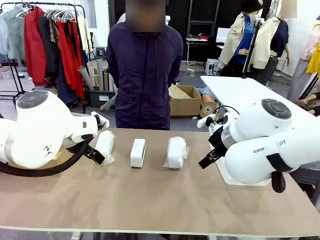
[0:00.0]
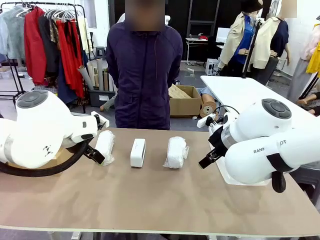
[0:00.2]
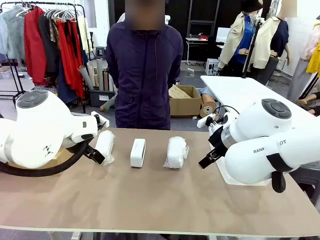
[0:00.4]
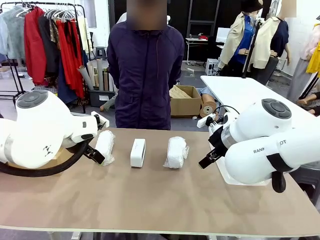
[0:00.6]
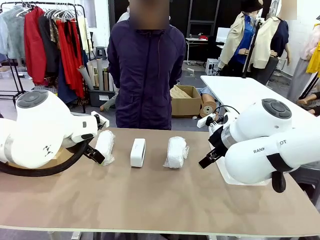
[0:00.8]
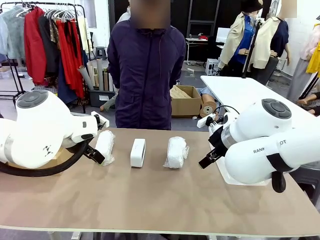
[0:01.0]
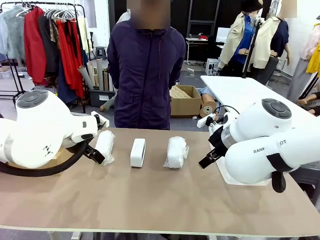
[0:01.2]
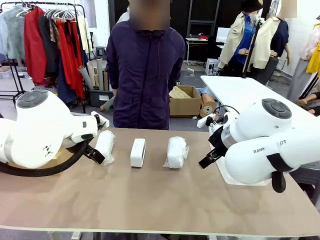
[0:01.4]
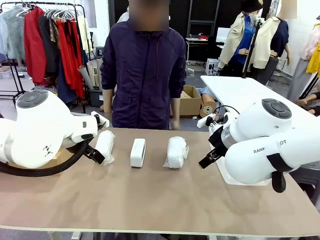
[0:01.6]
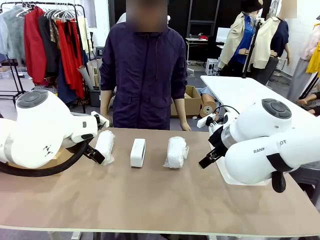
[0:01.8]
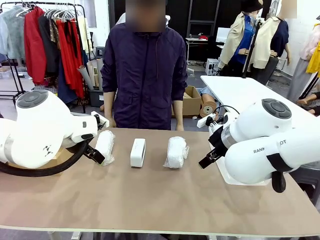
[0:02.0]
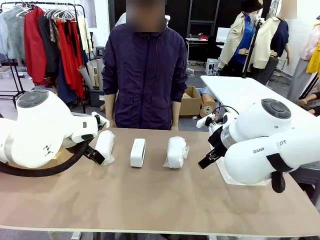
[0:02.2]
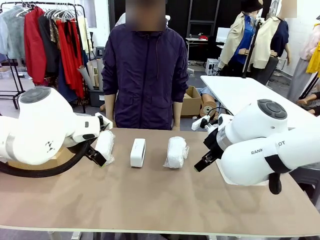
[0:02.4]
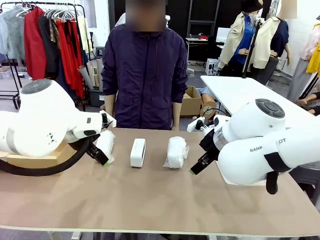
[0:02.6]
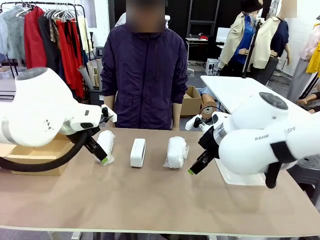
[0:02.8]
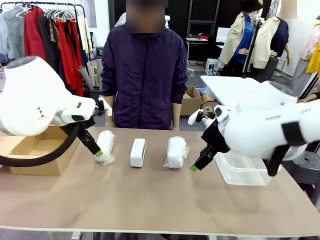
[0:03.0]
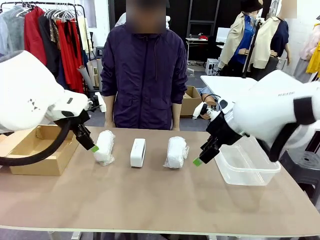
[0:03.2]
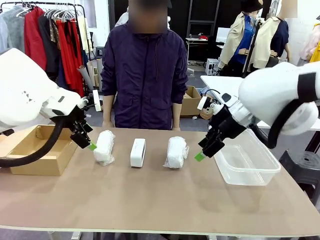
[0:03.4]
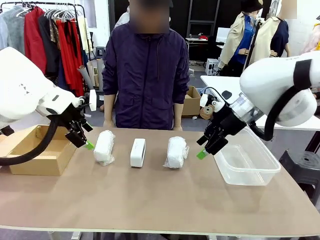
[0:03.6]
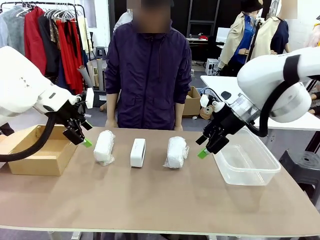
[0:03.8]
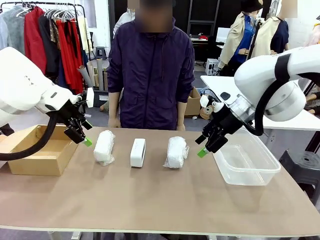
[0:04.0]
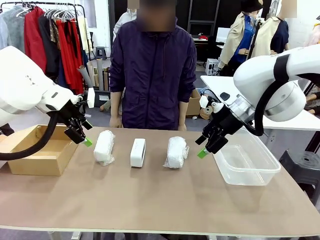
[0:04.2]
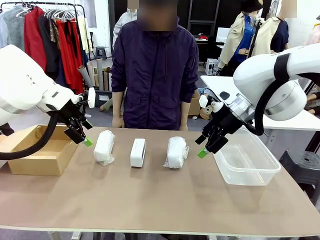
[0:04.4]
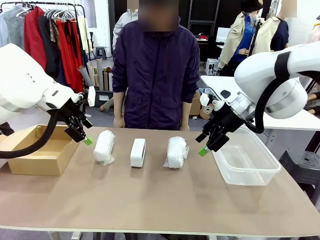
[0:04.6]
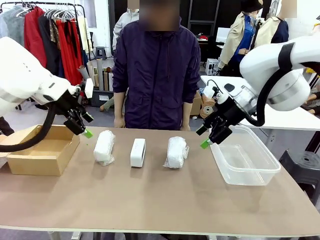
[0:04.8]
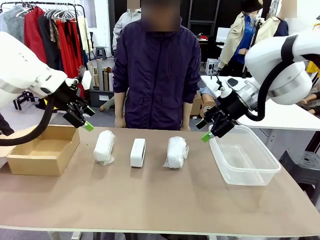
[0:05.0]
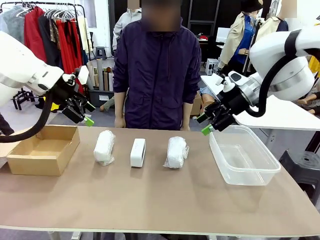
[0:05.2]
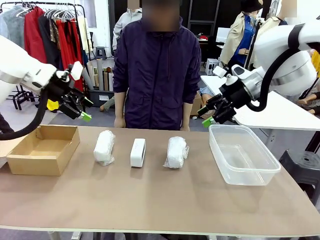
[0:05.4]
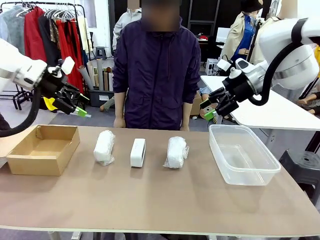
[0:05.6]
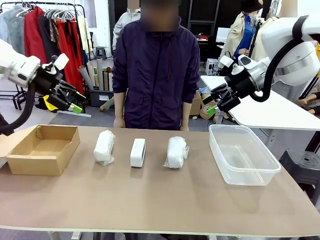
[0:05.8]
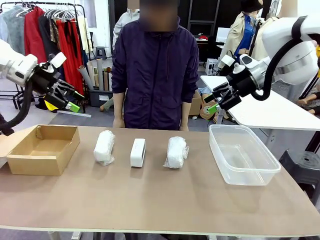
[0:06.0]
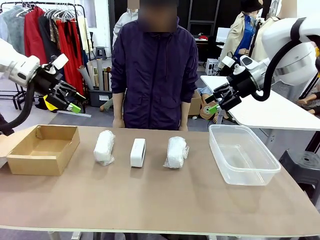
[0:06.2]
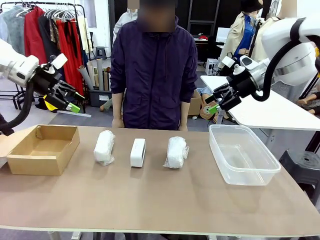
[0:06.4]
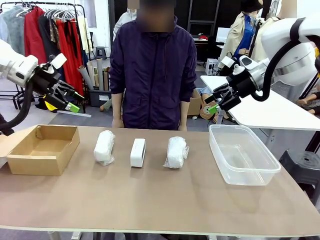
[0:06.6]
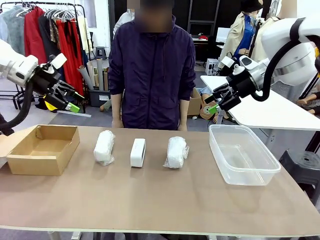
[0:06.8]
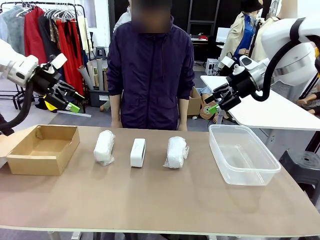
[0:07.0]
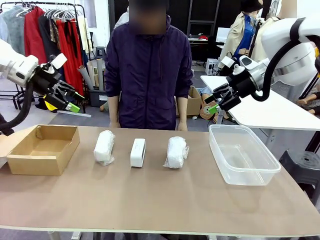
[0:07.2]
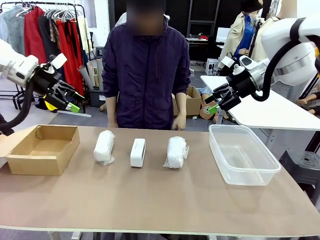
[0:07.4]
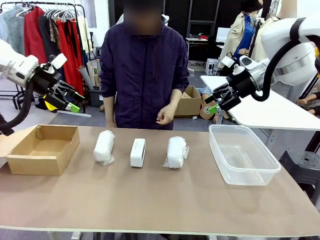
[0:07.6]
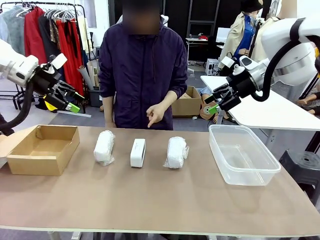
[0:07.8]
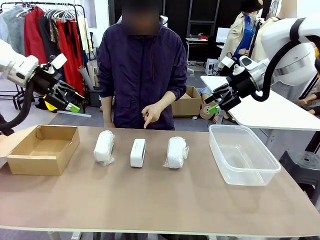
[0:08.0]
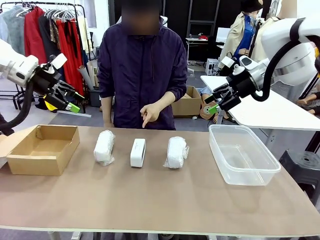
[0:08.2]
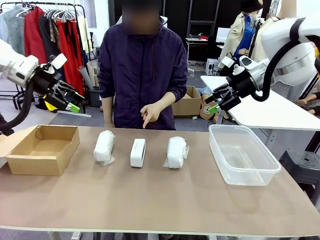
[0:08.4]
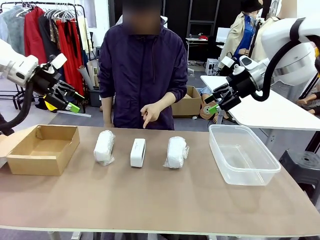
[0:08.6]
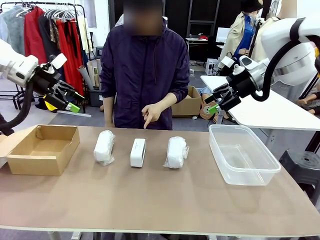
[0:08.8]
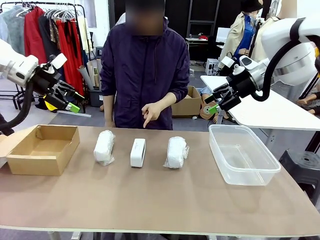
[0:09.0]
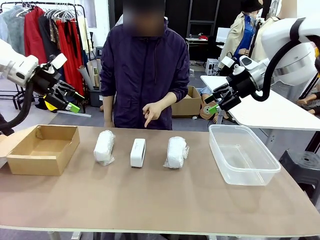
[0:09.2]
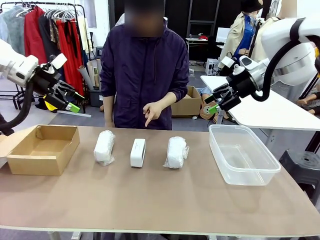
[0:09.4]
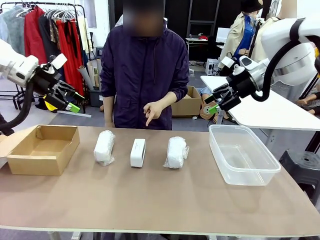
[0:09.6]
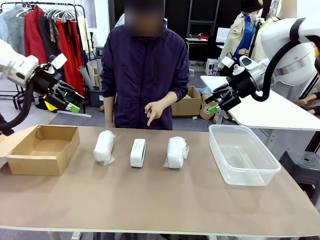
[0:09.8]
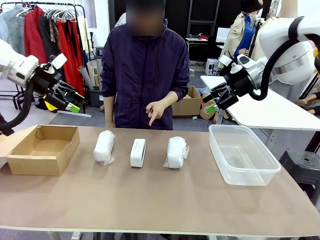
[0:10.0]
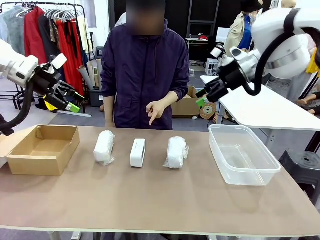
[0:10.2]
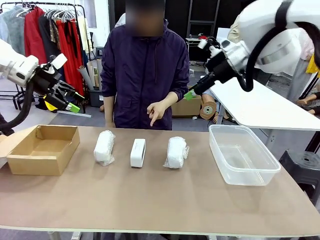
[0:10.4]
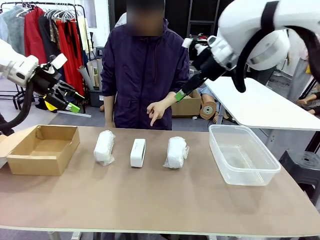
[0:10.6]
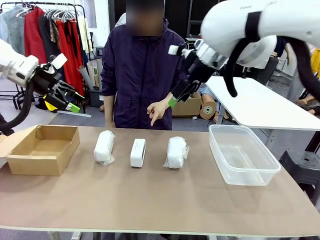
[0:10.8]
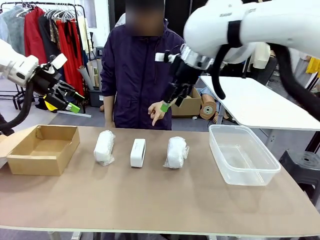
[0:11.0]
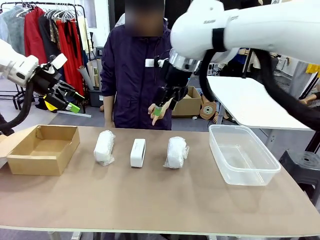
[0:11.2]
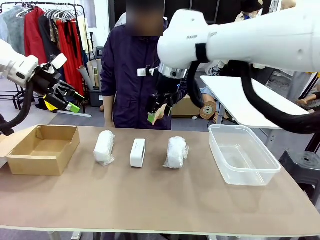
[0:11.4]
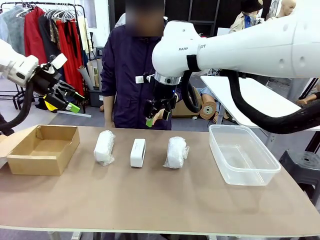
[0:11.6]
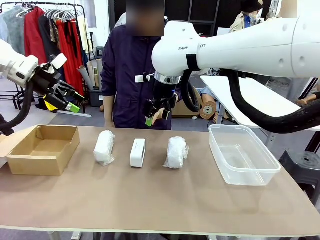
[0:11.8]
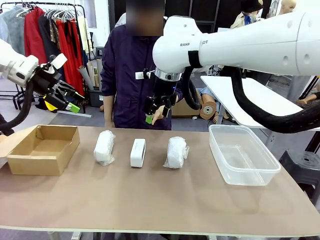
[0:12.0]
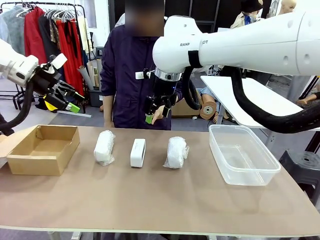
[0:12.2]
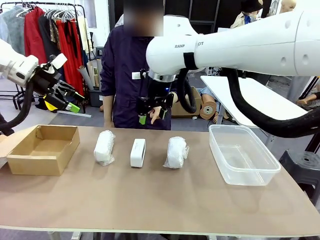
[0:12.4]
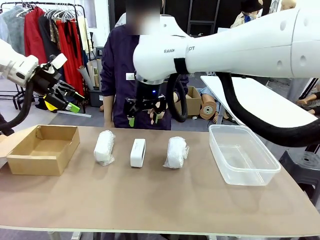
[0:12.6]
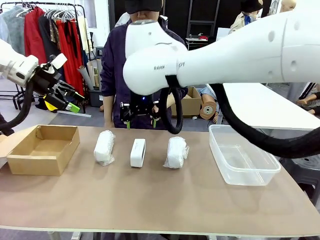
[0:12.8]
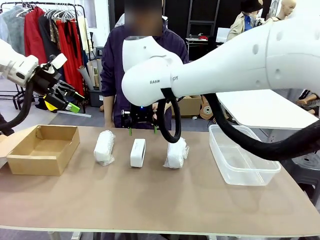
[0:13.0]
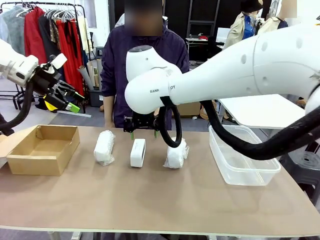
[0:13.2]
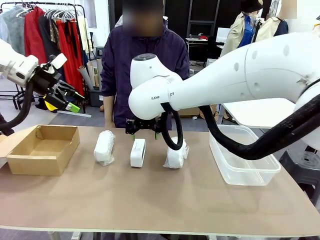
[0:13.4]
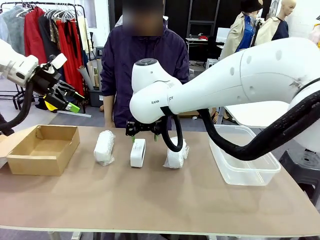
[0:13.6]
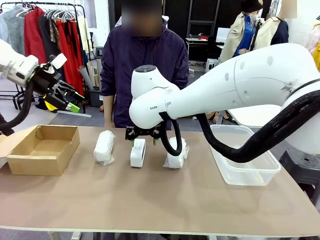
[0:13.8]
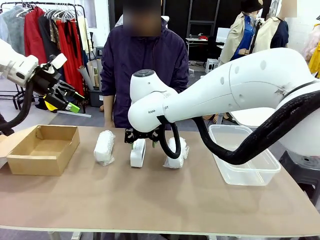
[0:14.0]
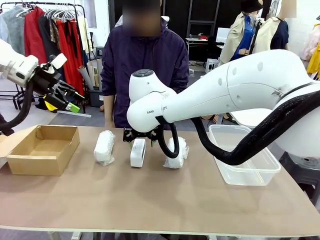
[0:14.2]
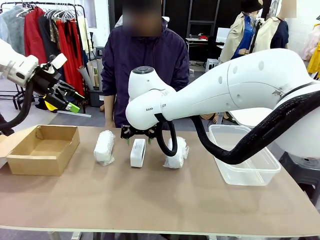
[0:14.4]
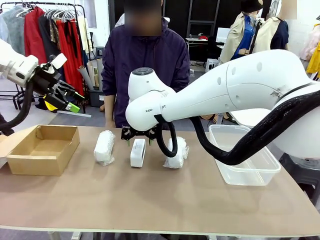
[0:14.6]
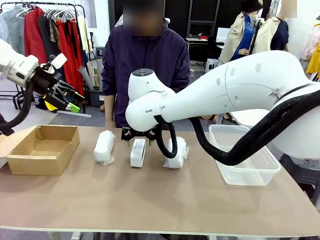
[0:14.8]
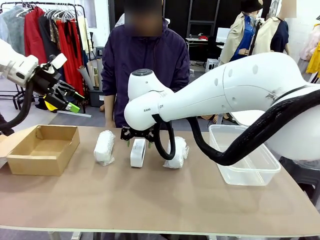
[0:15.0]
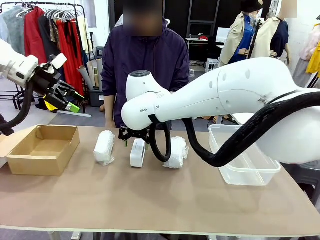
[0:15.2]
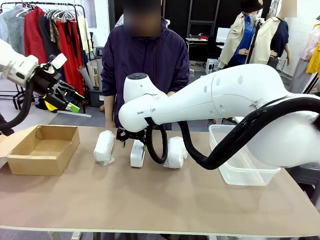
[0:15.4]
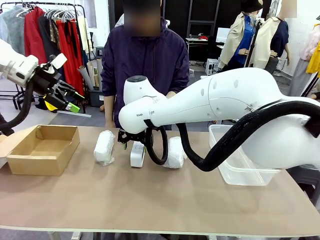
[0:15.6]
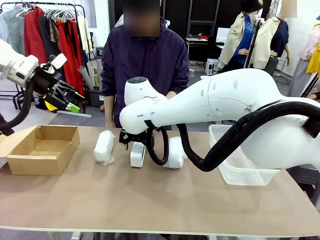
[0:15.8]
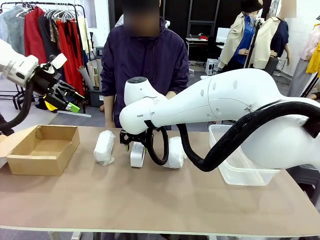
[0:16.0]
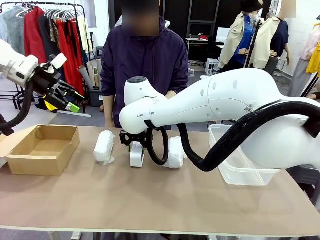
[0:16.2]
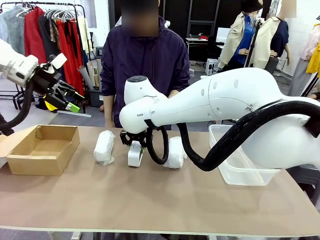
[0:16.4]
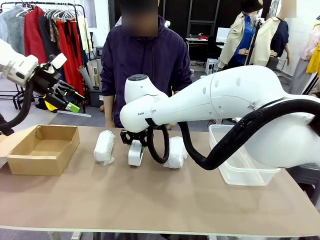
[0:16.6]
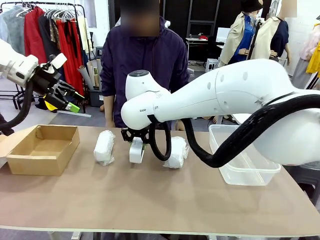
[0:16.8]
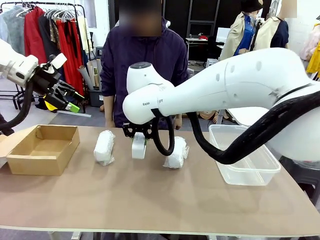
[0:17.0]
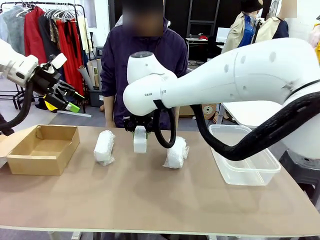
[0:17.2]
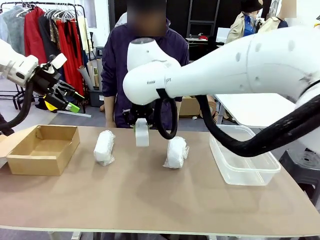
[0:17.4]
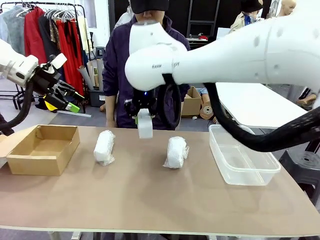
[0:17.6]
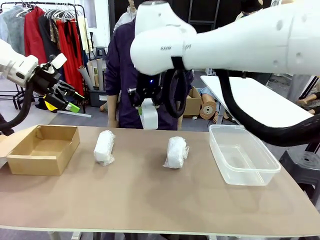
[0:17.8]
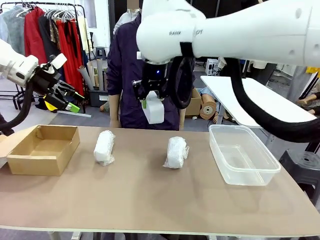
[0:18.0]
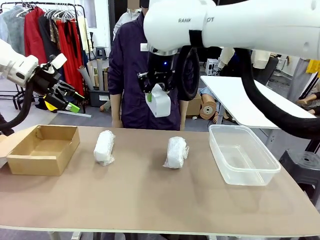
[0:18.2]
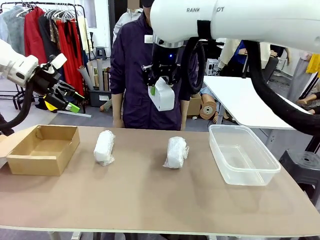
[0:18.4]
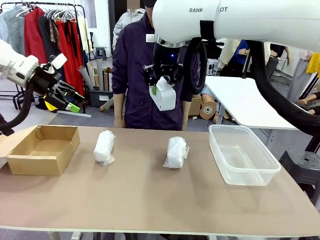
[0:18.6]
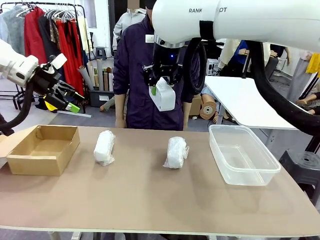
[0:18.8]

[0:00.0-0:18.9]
Task: Separate and place wrapped and unwrapped clocks.
Robot: Pick up the Digital clock indicated by the person.
